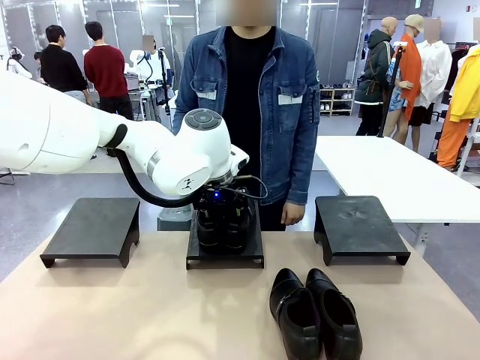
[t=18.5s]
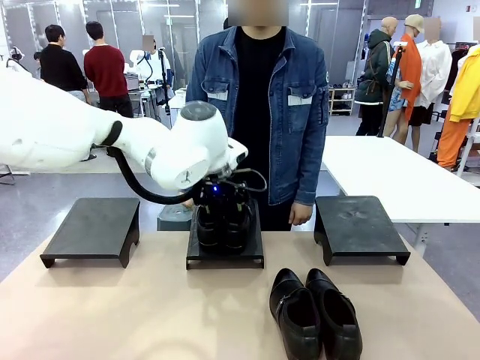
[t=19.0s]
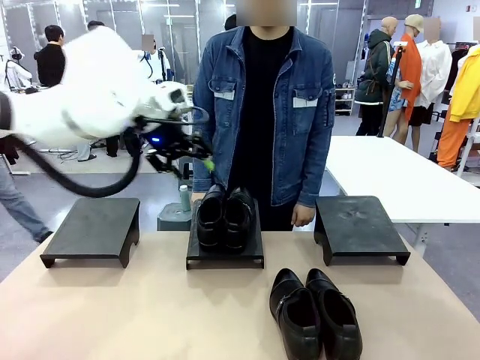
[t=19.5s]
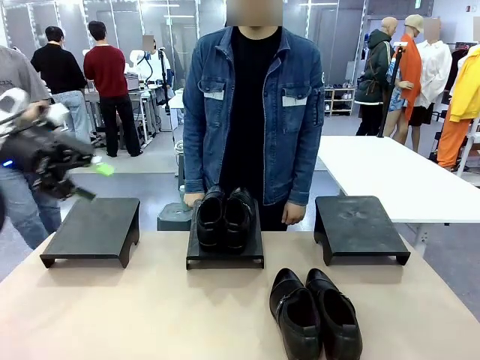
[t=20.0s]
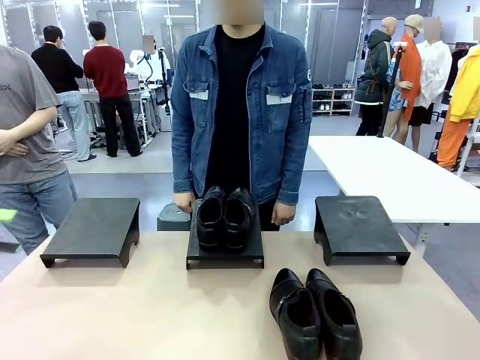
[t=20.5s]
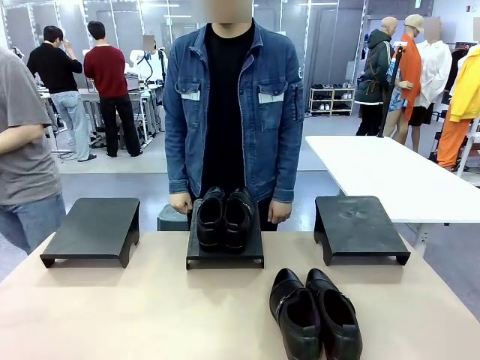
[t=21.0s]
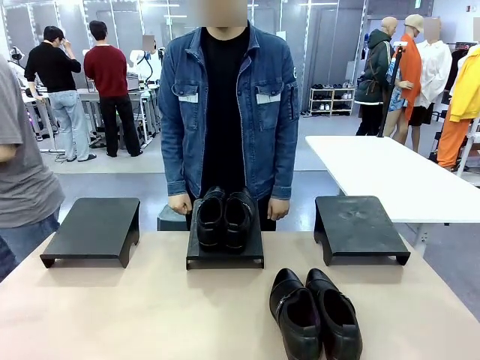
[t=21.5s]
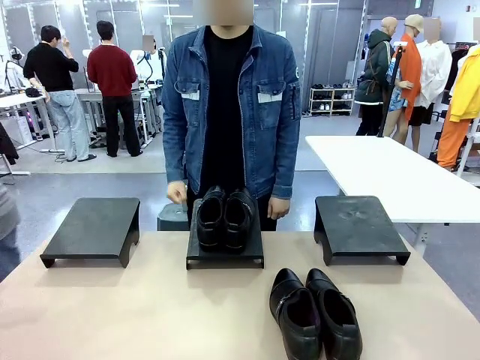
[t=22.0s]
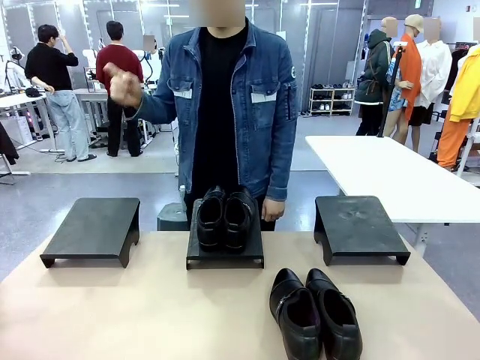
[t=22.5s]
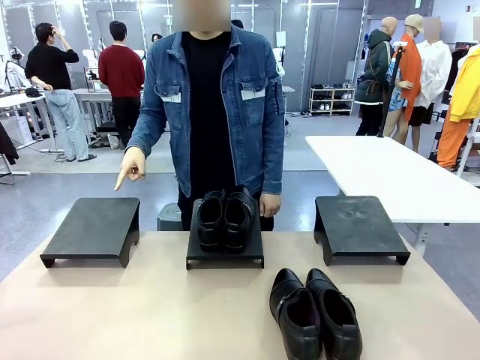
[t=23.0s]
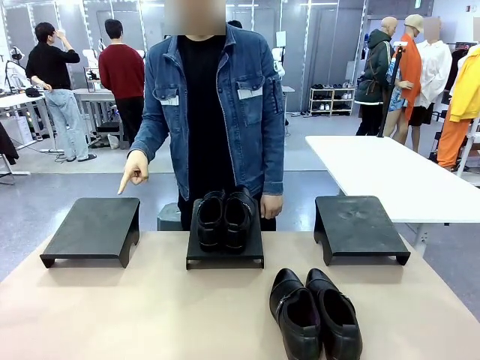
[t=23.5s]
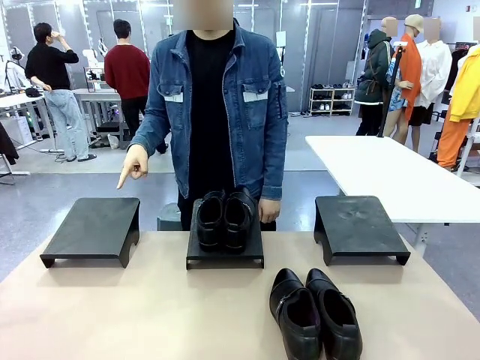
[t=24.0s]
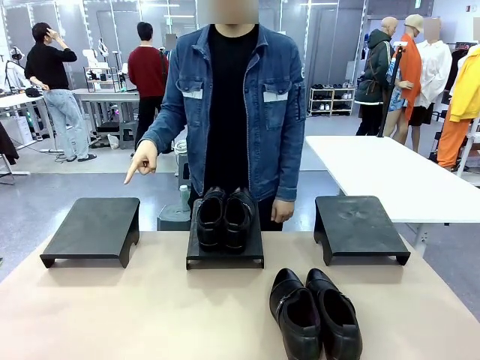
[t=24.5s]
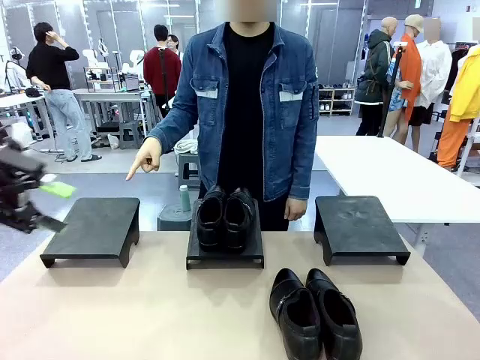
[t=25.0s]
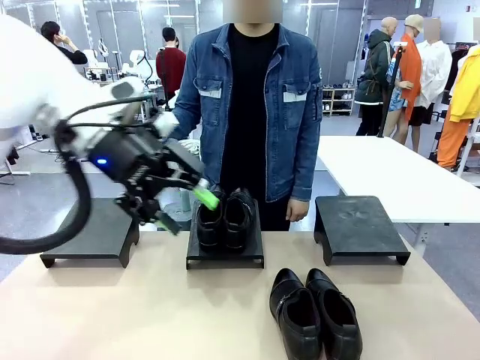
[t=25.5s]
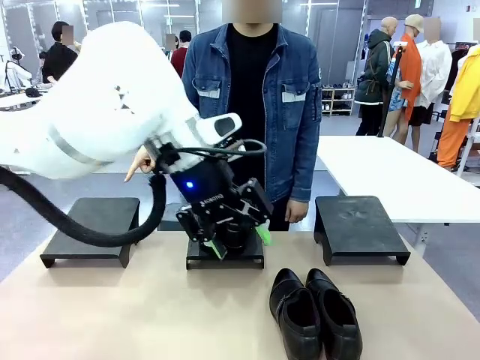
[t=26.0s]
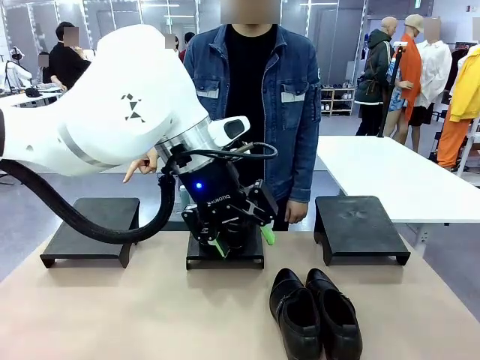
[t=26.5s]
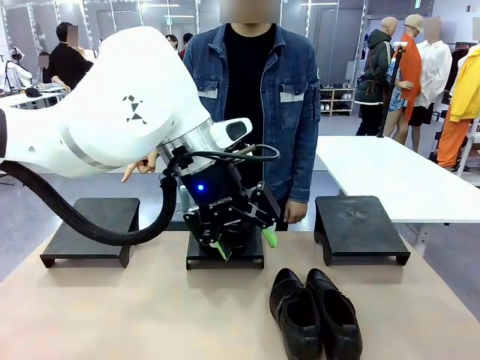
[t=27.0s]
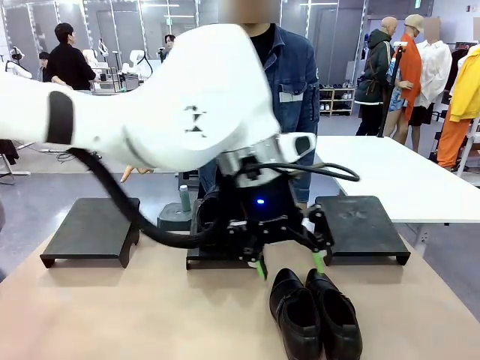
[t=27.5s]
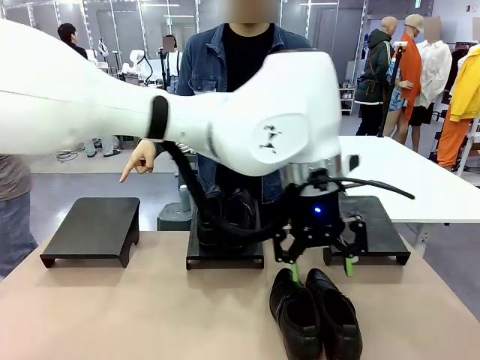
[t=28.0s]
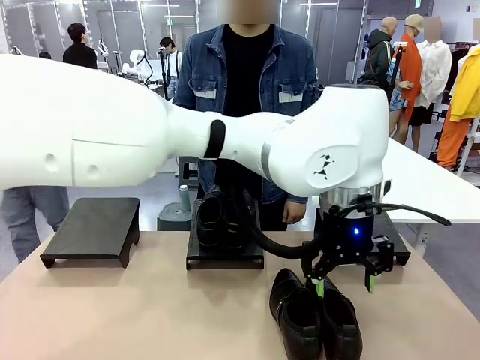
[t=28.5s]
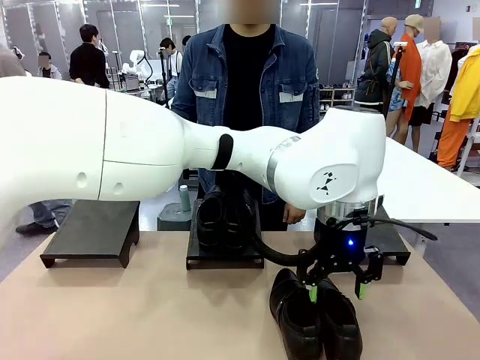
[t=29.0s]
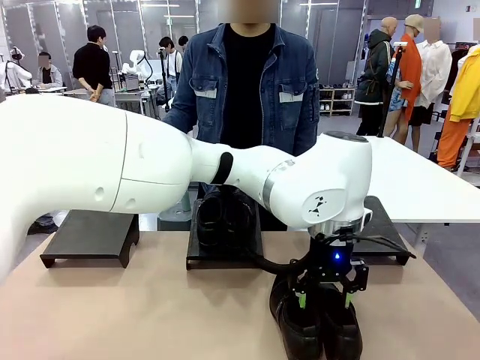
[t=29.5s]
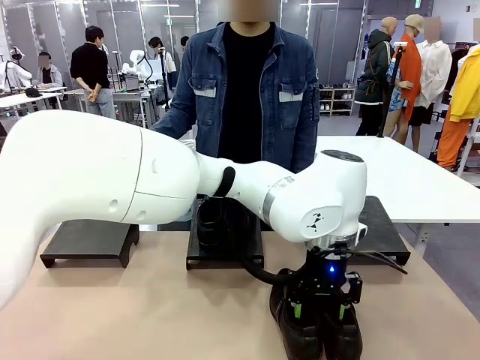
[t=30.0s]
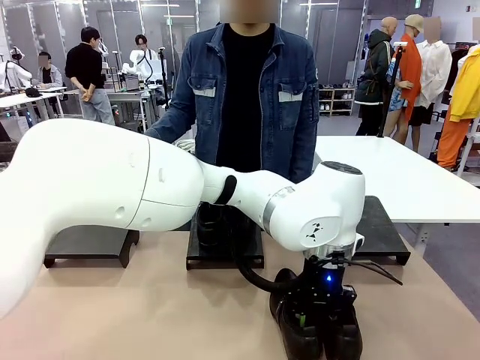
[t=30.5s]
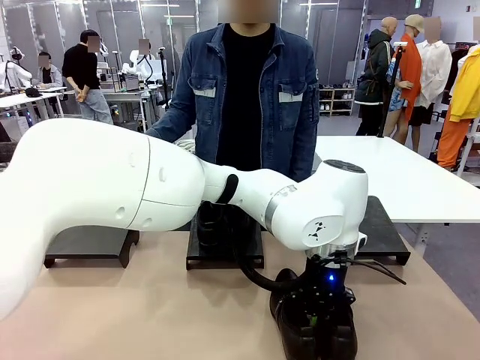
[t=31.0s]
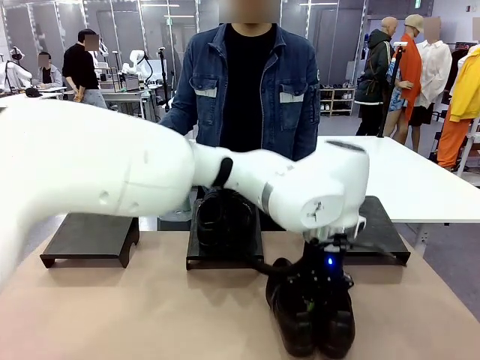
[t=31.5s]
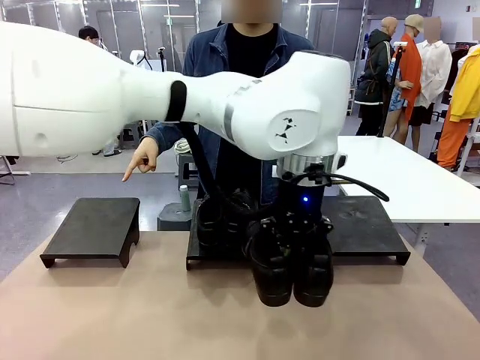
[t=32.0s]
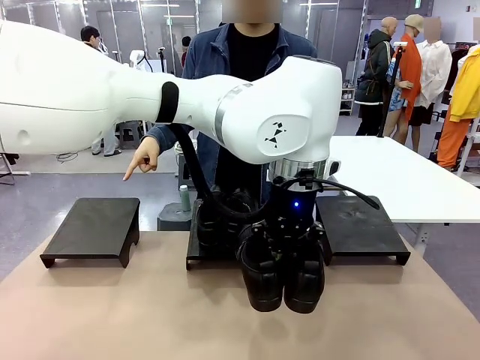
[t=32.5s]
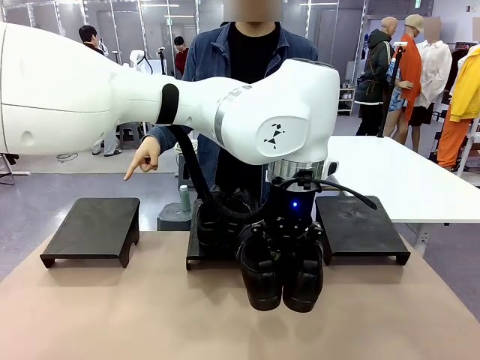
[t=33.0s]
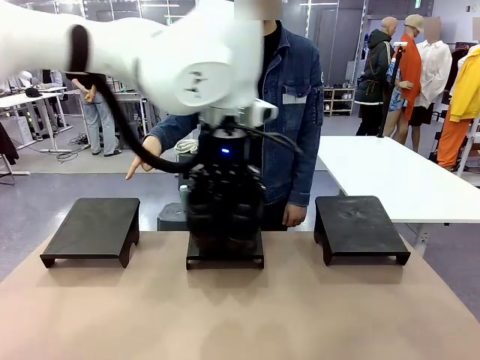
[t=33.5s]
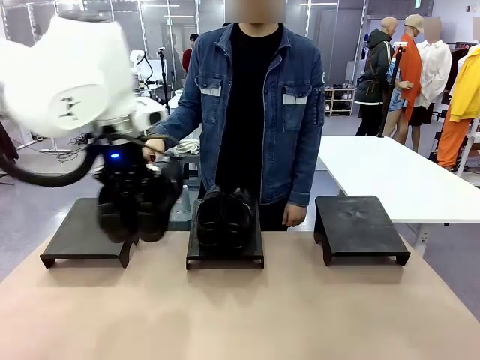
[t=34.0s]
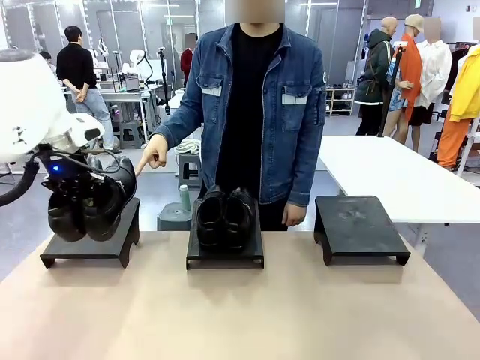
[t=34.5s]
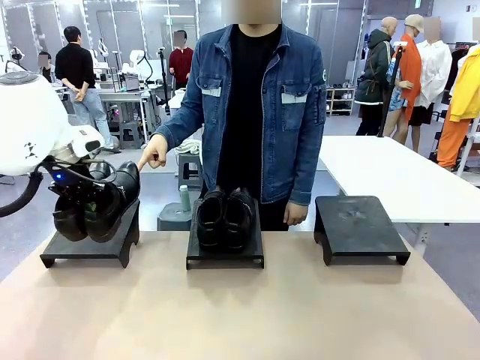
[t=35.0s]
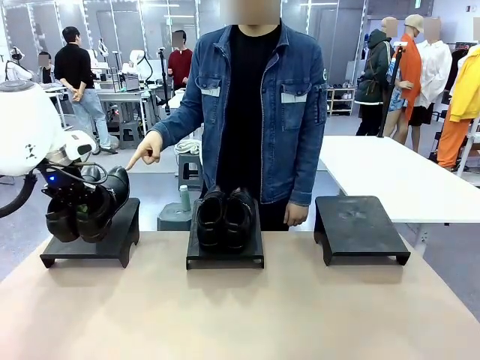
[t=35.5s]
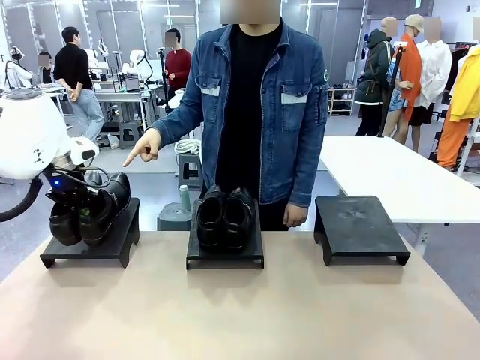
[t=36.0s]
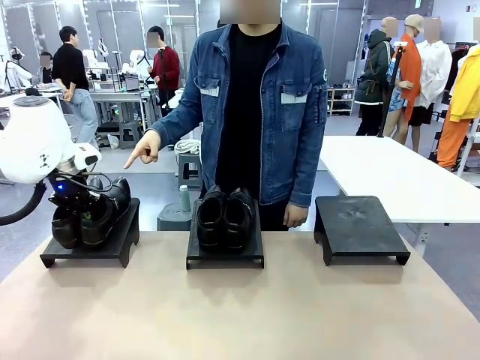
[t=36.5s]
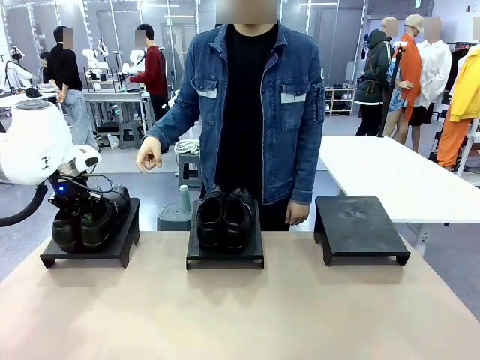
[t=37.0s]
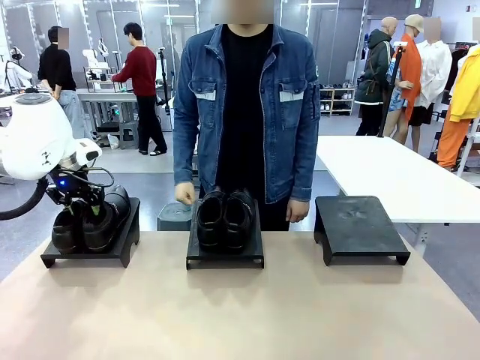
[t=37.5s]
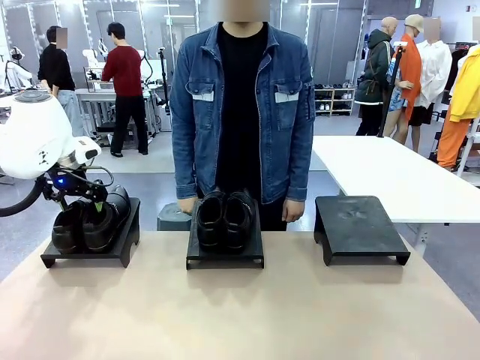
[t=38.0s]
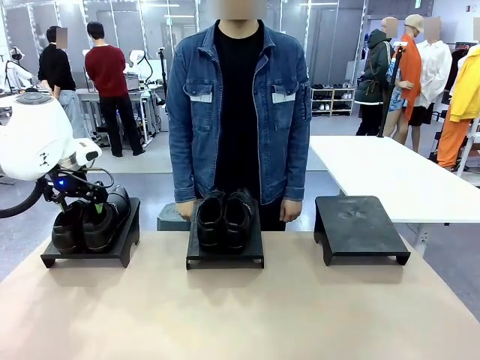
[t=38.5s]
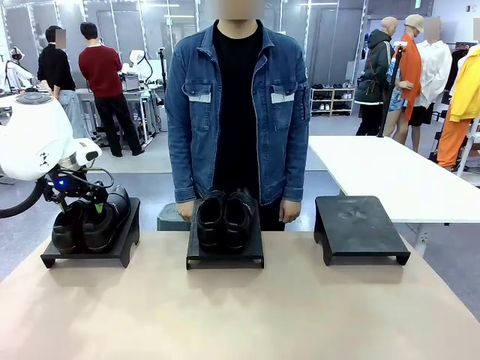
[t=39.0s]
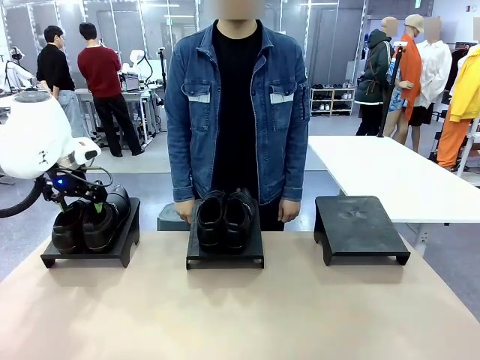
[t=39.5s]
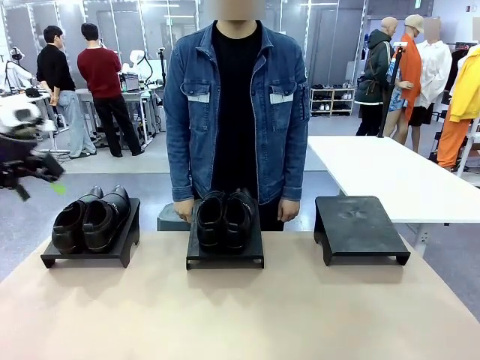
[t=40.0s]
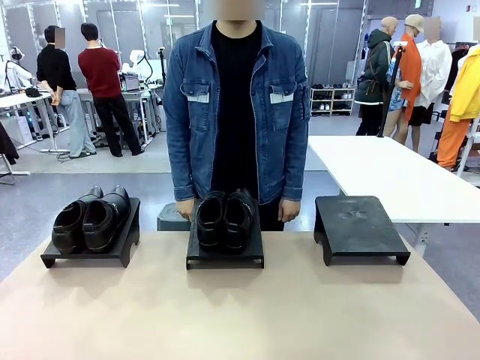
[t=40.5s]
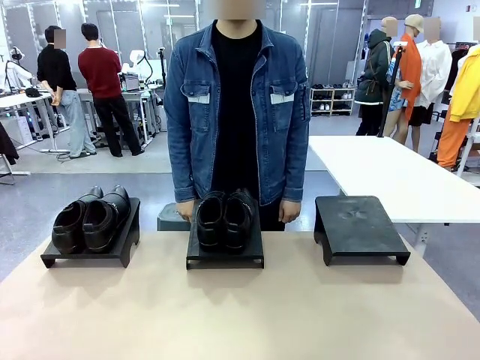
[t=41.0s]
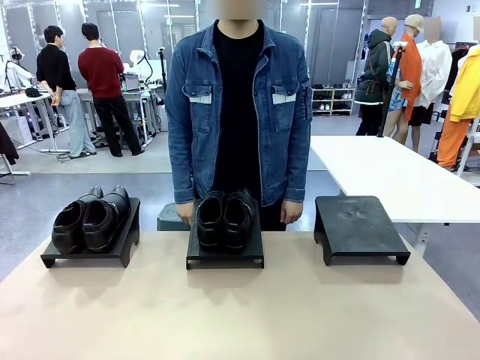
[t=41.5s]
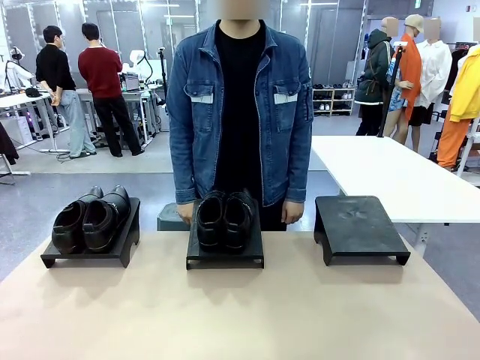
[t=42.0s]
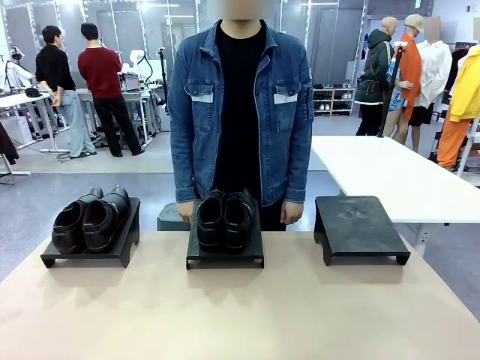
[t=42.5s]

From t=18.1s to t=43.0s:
Task: Place the shoes on the stand as instructed by the person.
Robot: Pick up another pair of Shoes and place it on the Shoes Stand indicated by the person.
Person: Point to one Shoes Stand.

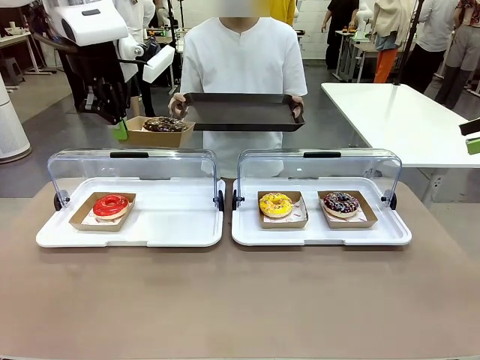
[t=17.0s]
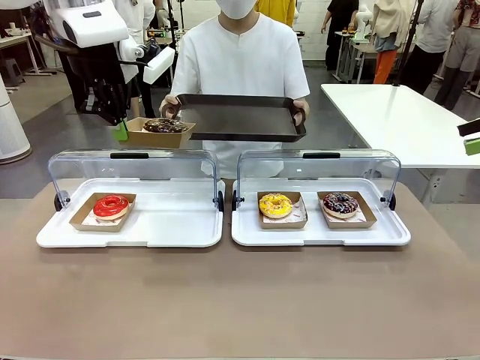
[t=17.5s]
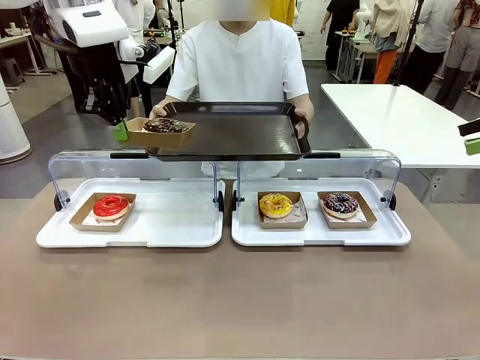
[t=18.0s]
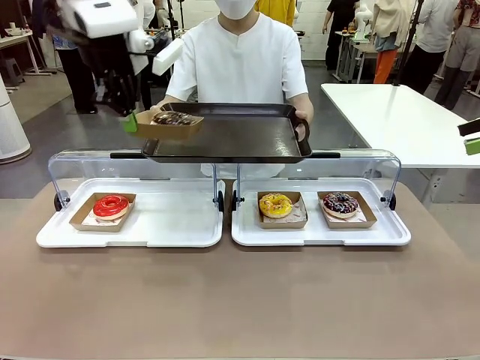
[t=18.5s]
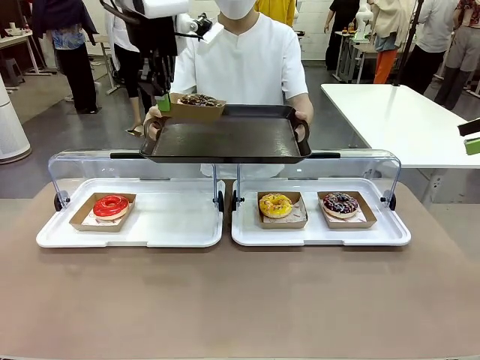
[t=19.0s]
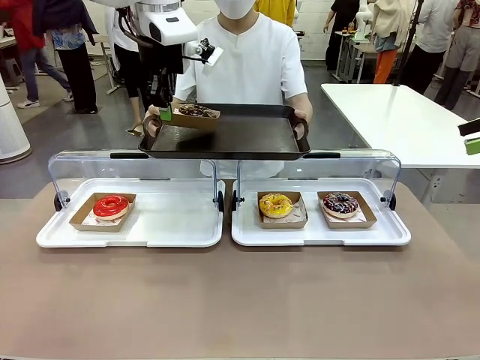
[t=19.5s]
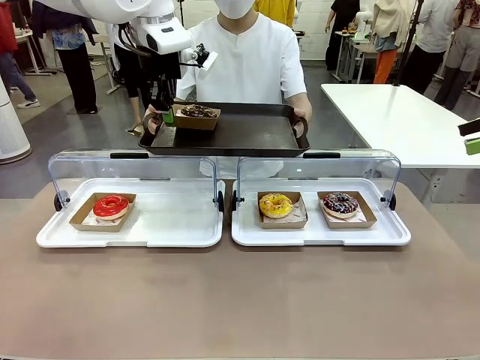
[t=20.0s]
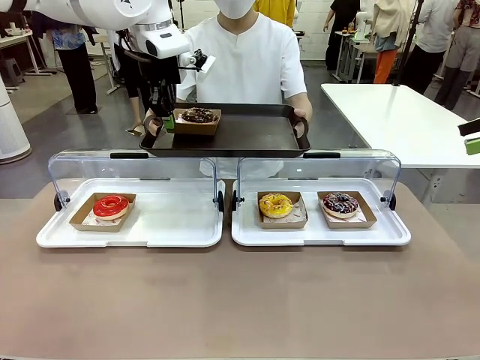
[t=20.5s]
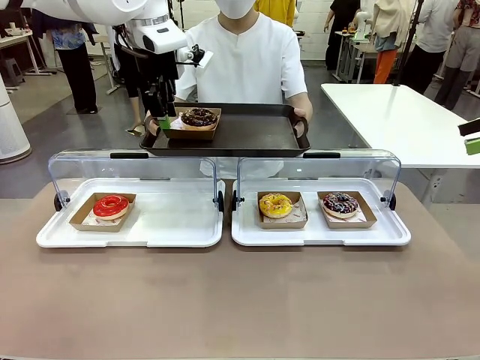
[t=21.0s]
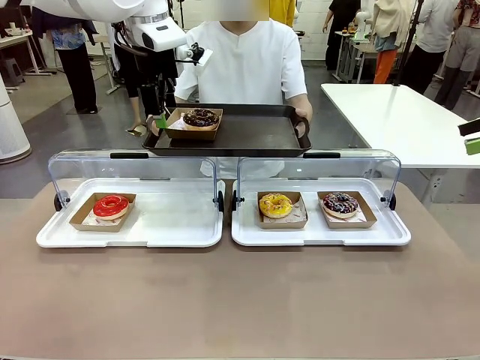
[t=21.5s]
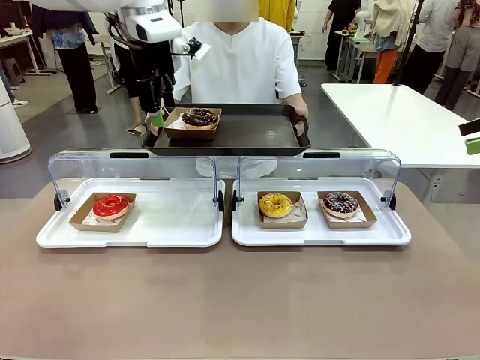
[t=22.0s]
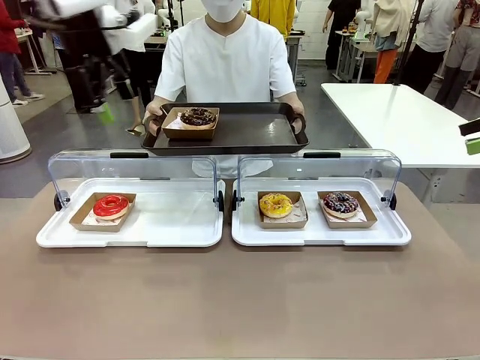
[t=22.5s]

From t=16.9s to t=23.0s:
Task: Provide the desired donut to the person.
Robot: Place the picked Paper togo box onto the Handle tray extended by the person.
